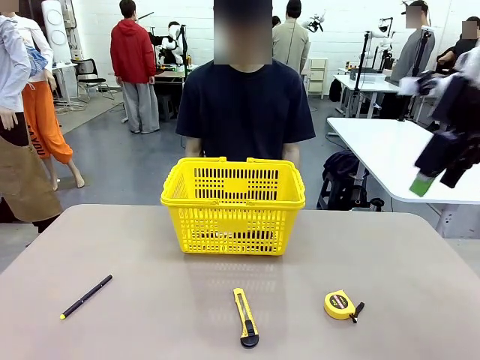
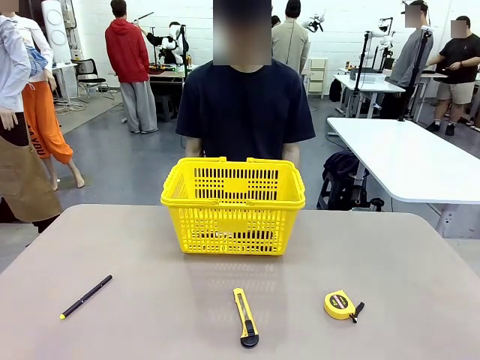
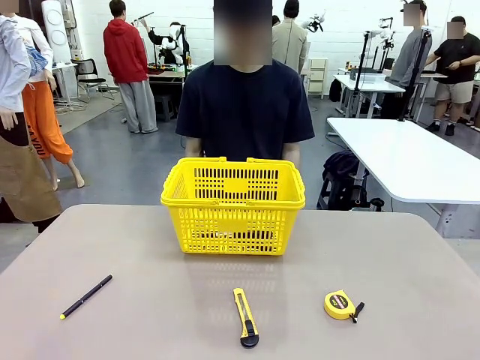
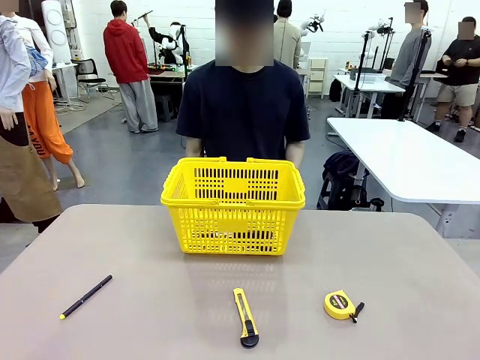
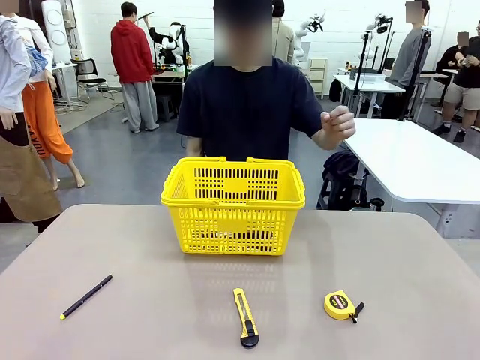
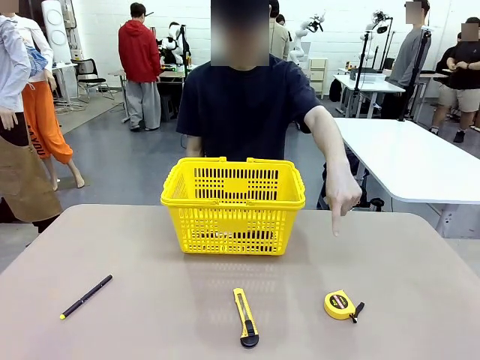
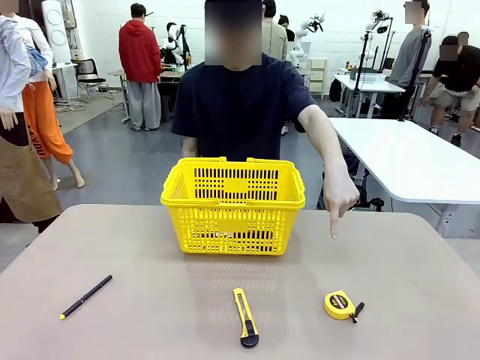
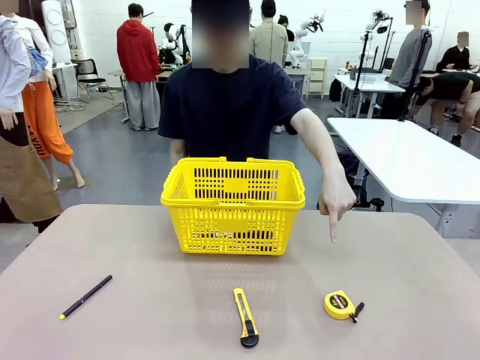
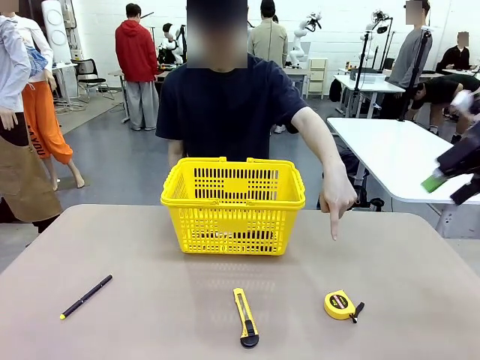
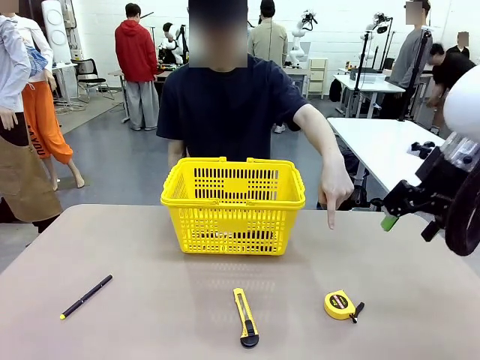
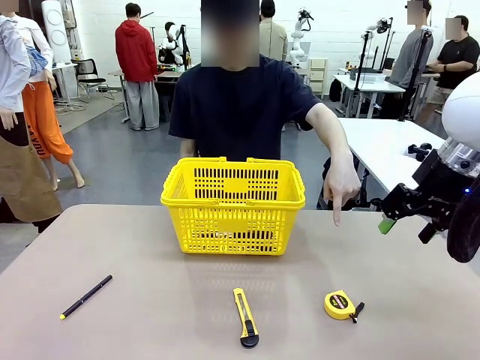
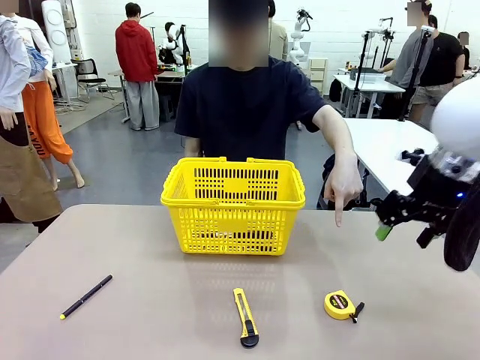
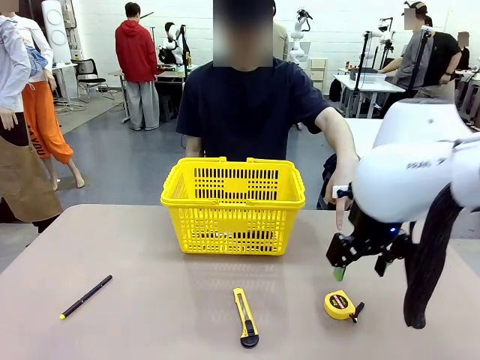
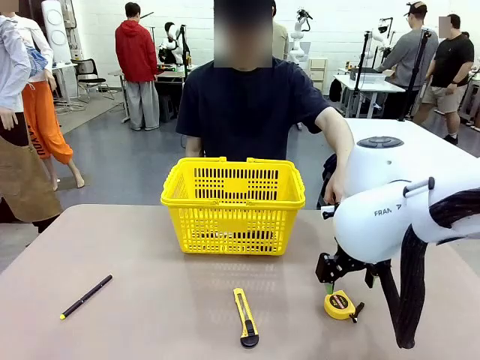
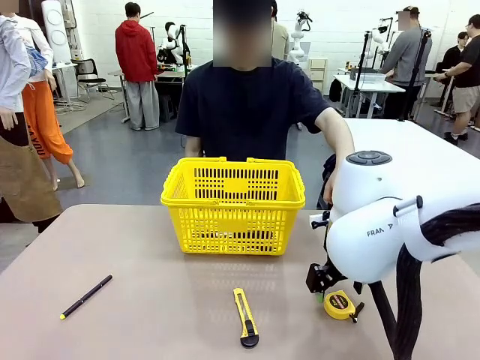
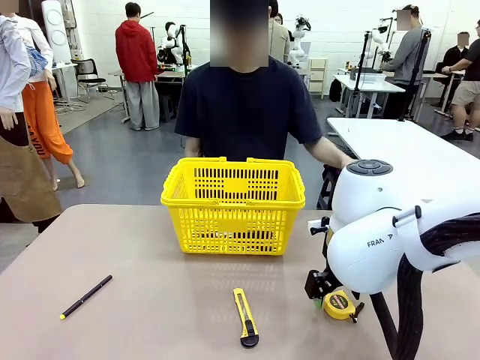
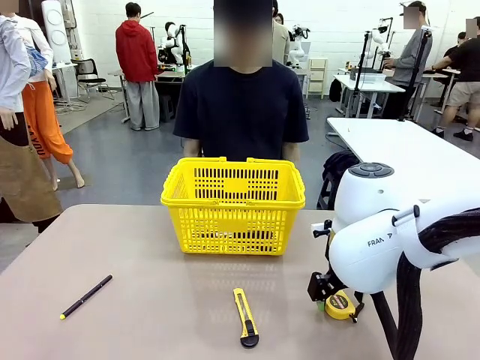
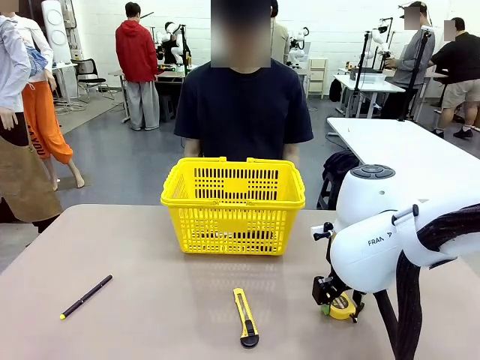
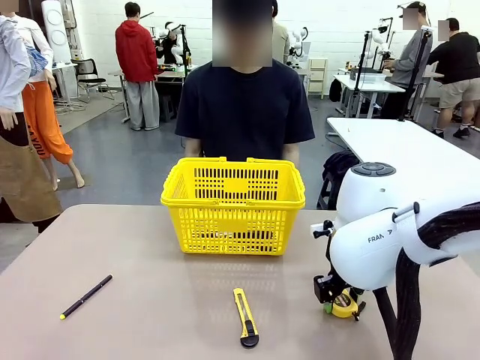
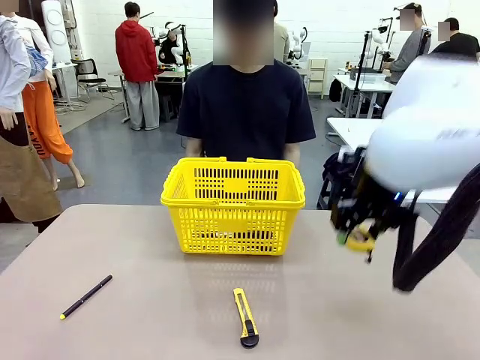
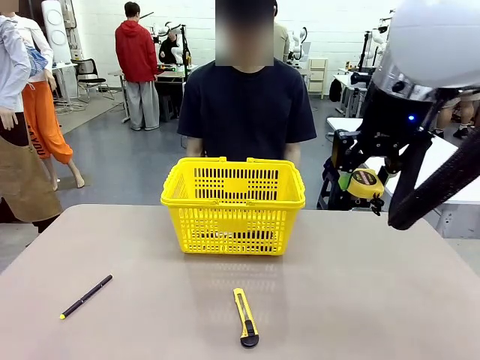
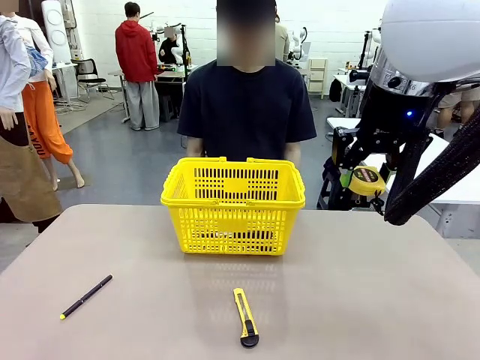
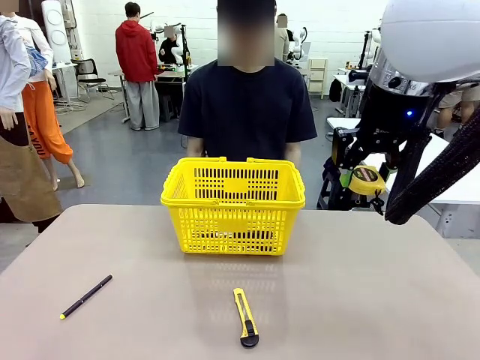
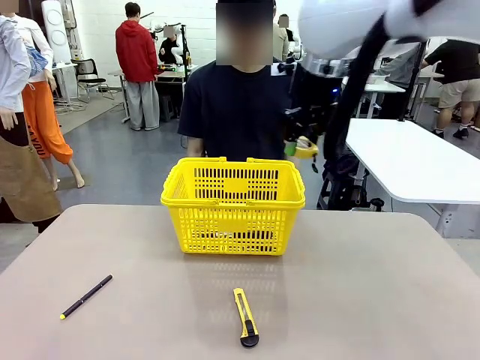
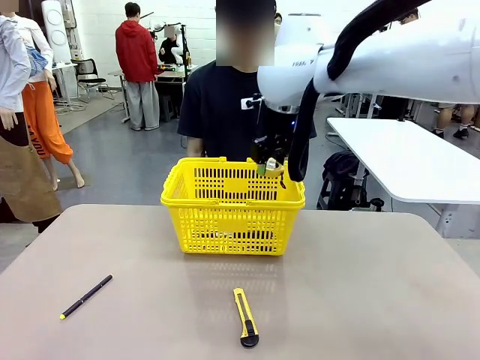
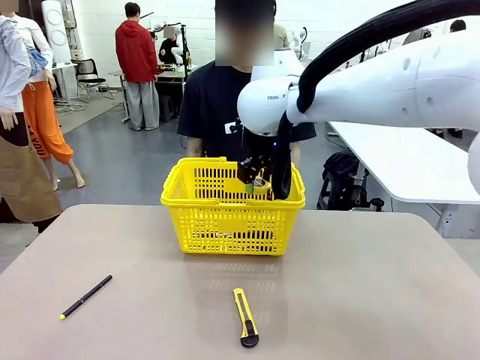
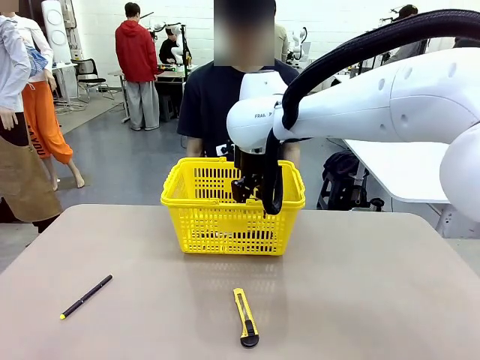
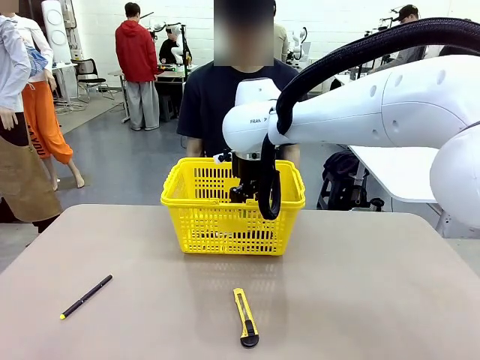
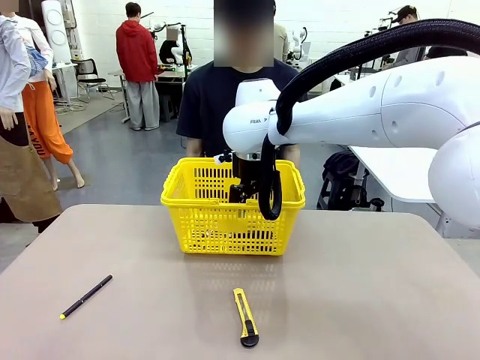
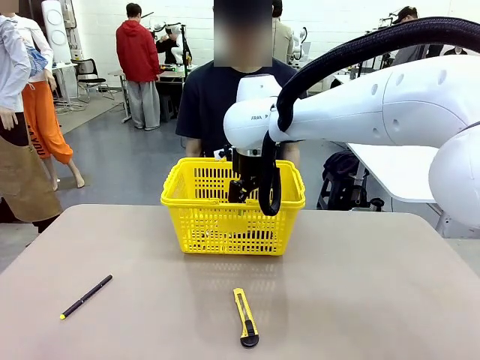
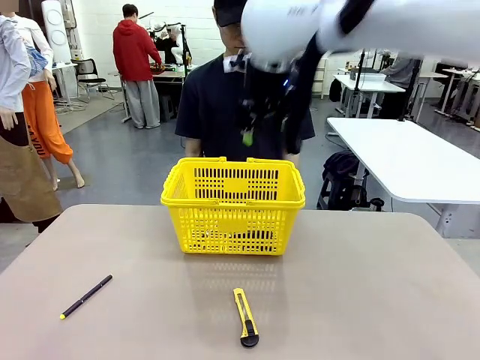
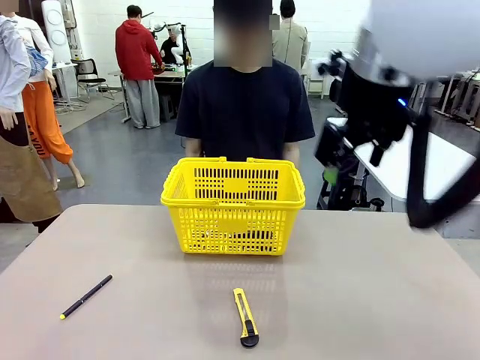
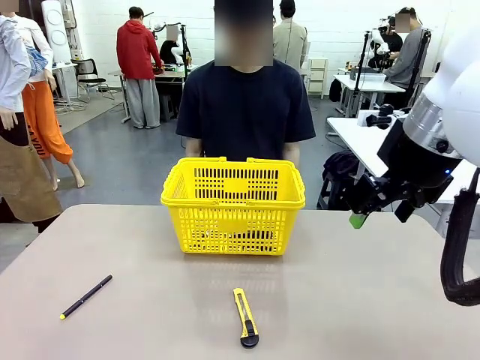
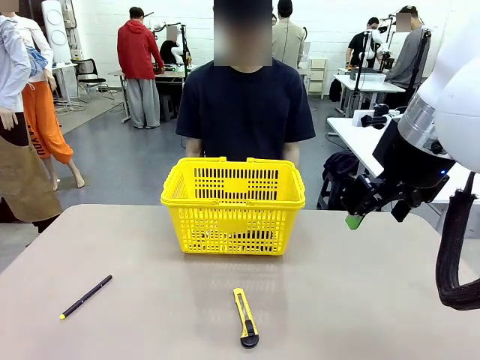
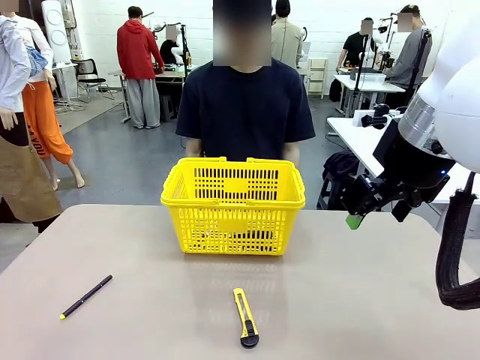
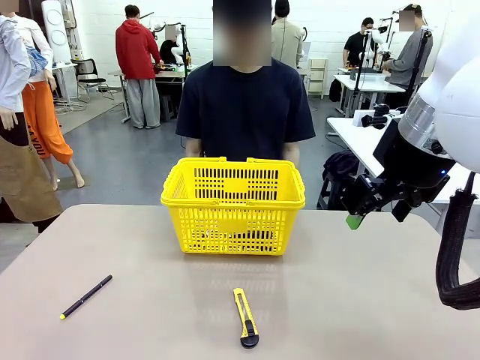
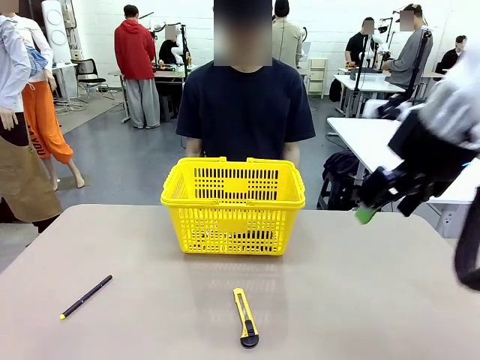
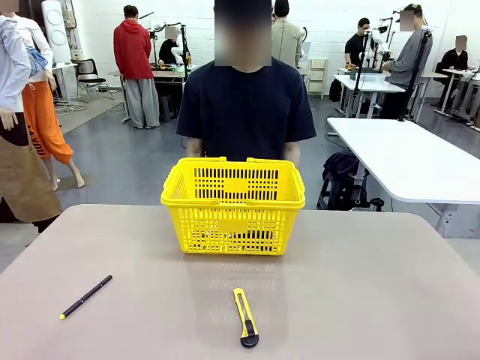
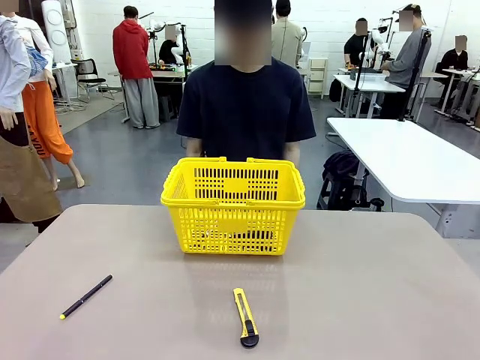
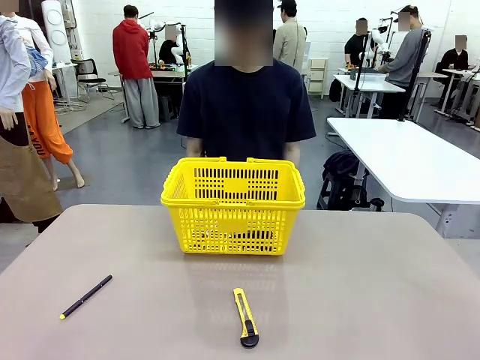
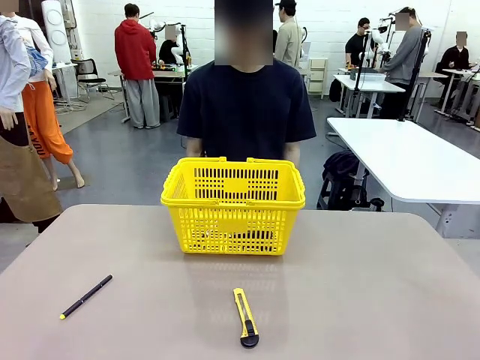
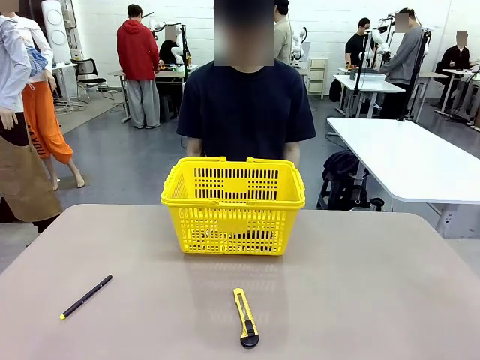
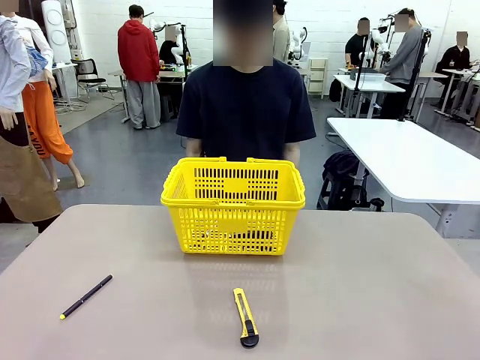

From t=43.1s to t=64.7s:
Task: Place the items the person wants into the basket.
Robot: Pick up the item the person points to and place it in the Market Basket.

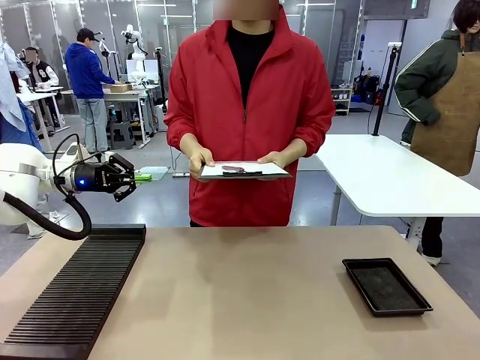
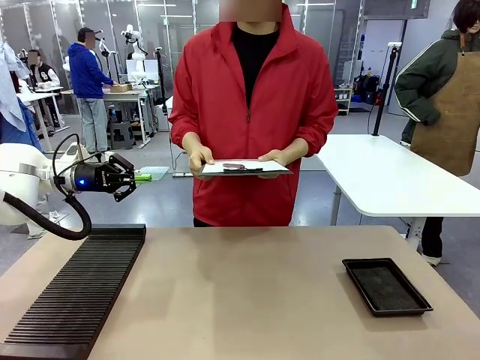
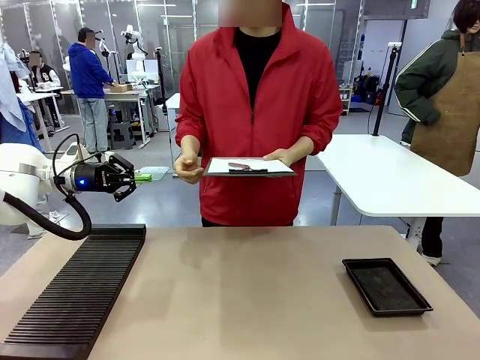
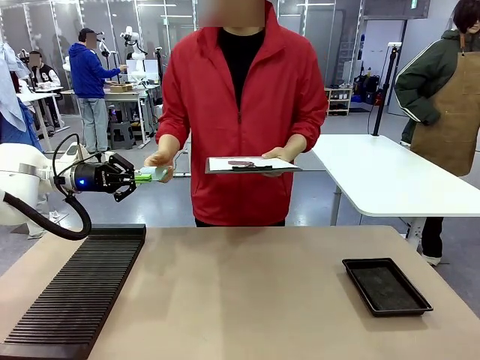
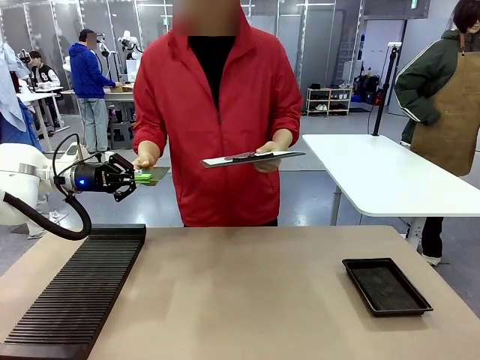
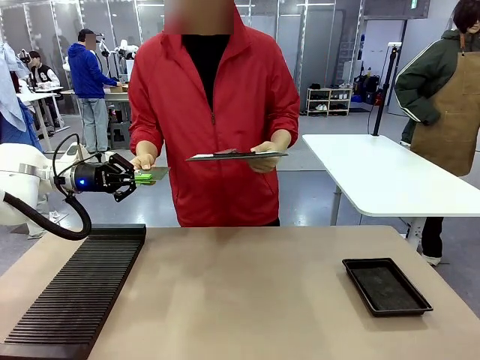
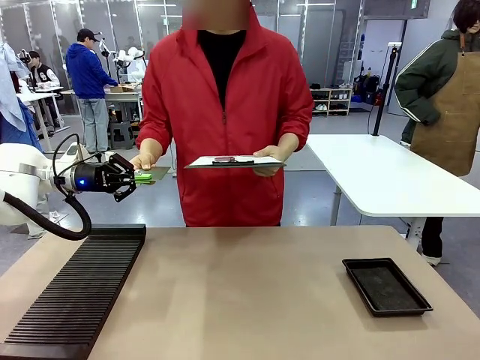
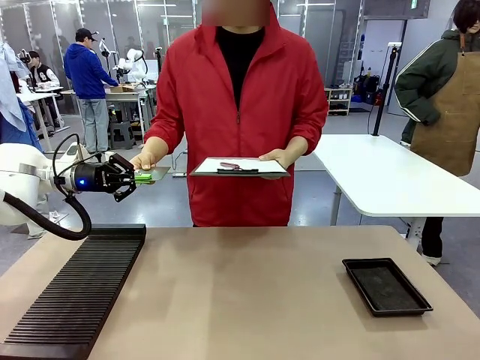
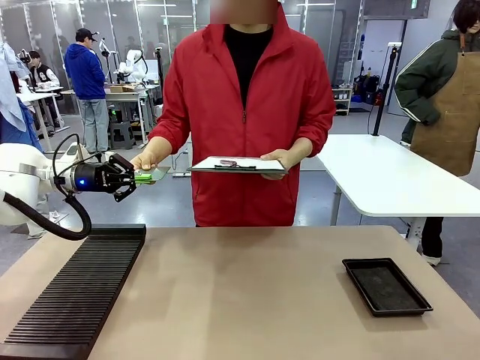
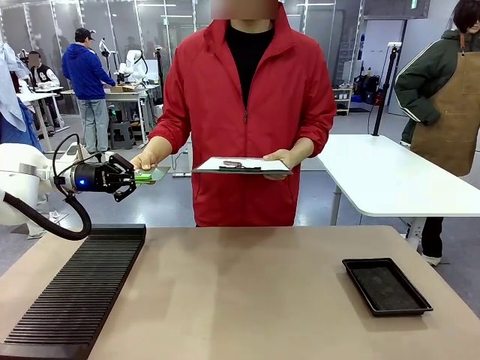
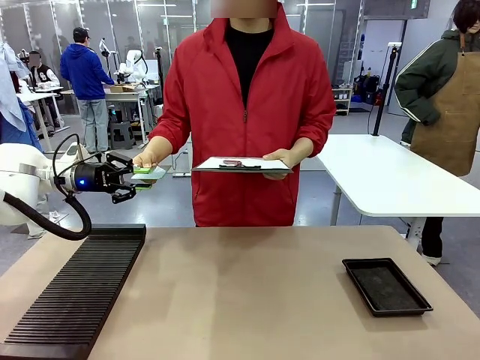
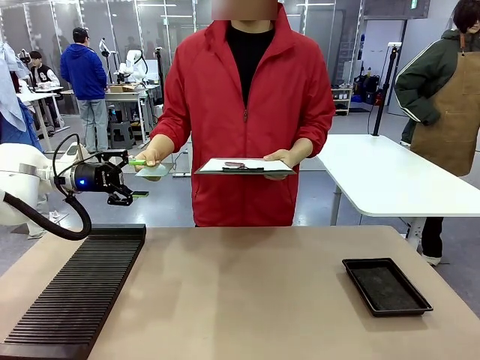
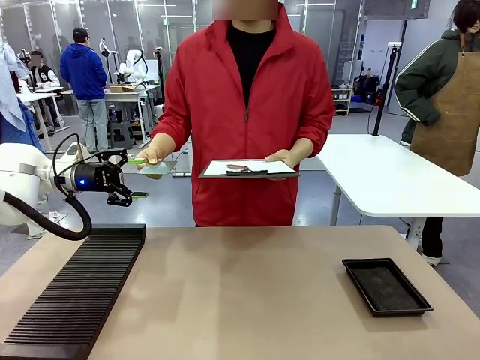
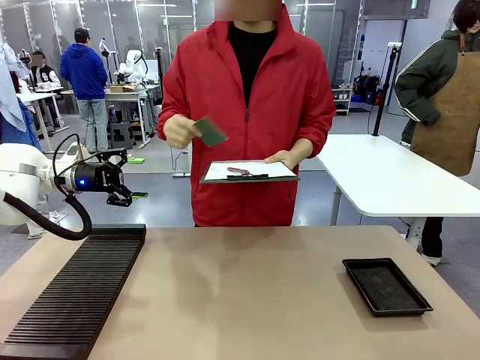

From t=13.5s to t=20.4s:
Task: Inspect the PCB.
Robot: Release the Blank PCB you were holding.
Person: Inspect the PCB placed by the robot, then hold it out in front of the robot.
